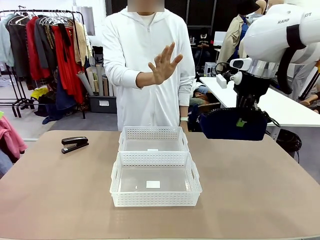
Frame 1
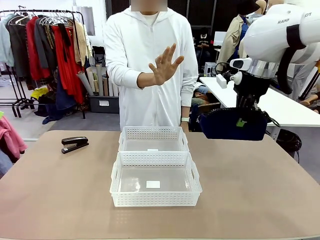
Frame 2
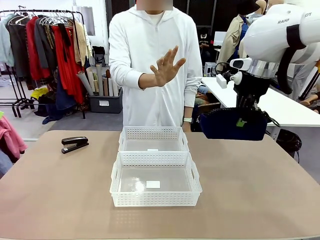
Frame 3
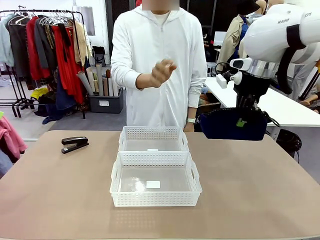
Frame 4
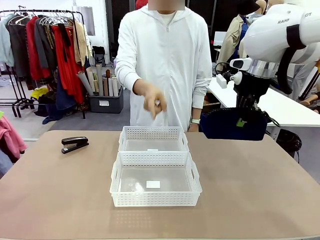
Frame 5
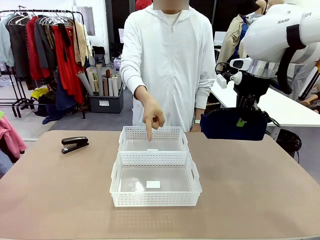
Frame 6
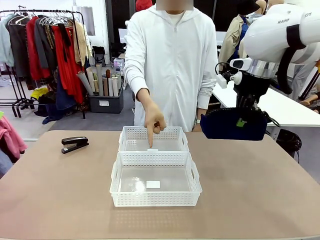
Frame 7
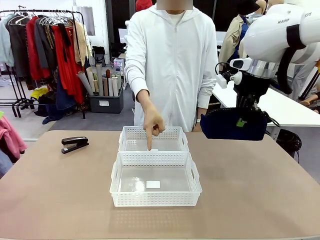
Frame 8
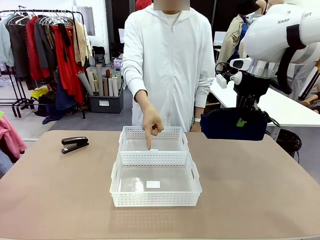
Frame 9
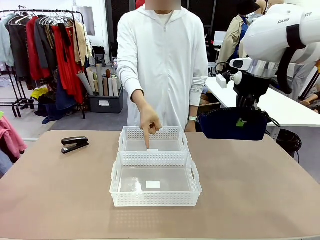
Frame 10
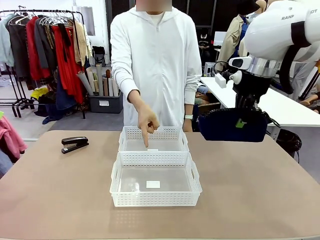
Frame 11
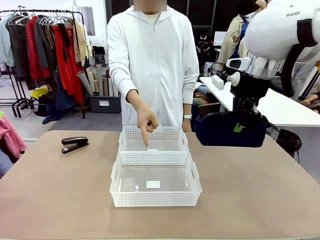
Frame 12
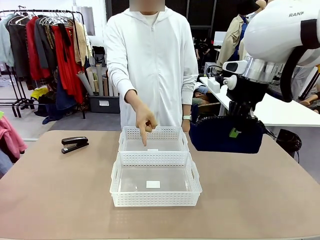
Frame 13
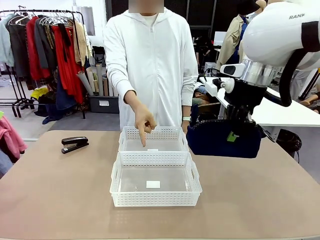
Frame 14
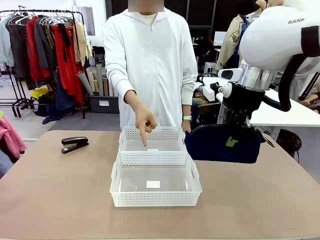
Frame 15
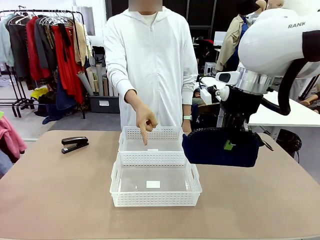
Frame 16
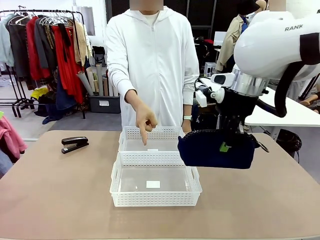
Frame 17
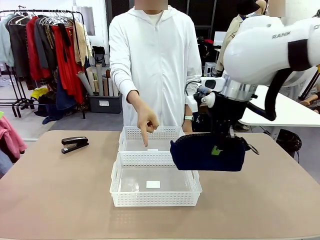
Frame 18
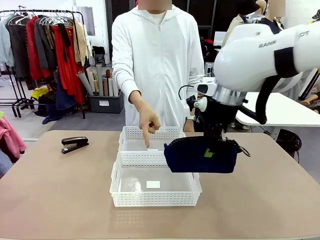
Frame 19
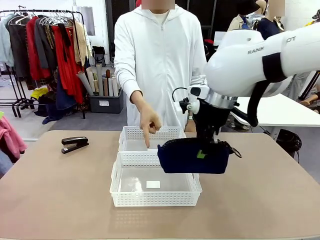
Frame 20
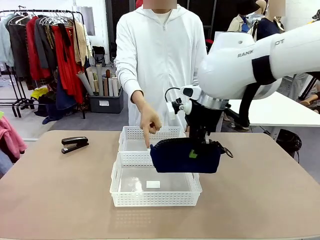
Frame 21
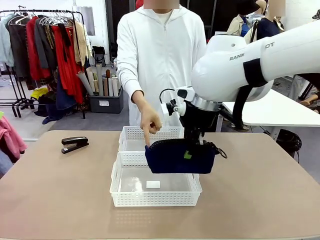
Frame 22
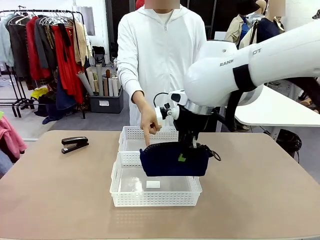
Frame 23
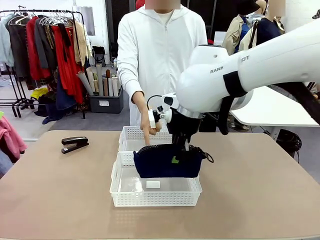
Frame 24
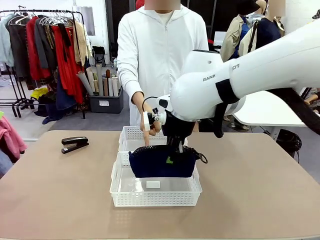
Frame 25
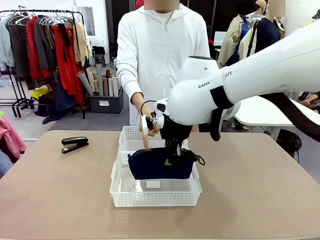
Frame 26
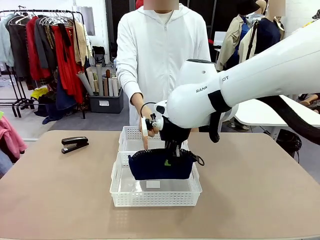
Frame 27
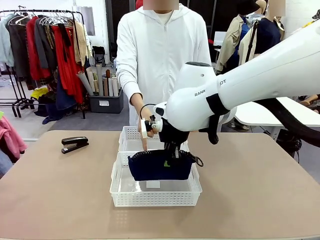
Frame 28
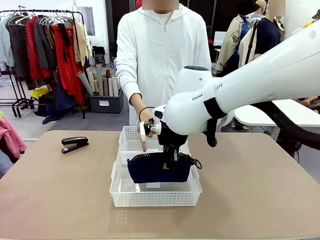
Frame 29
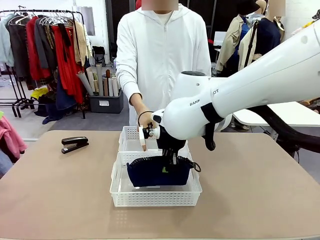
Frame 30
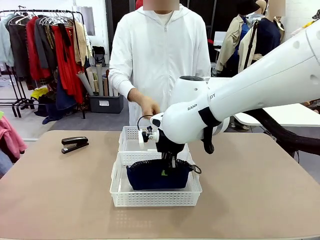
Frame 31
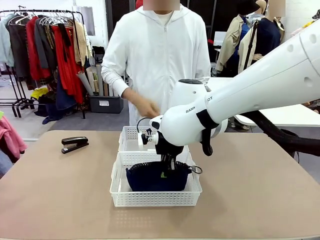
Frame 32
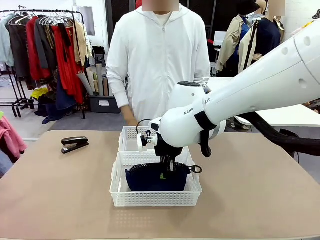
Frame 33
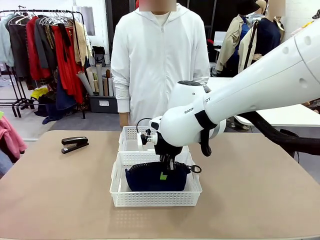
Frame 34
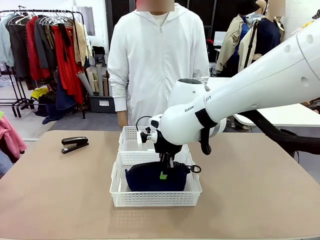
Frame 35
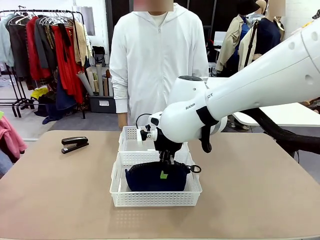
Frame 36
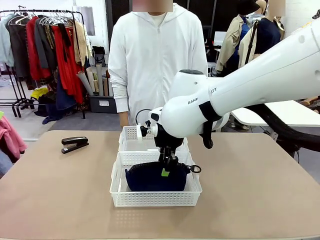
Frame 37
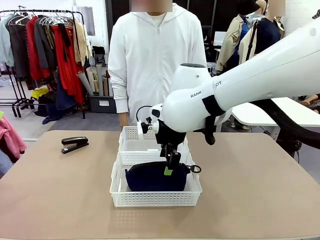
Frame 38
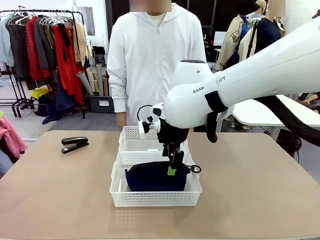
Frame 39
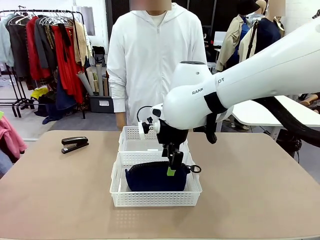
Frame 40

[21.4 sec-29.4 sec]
Task: Distribute items into two baskets.
Robot: Place the picked Pencil pouch into the Organizing basket as instructed by the person.
Person: Instructs the robot to place the pencil case into the opposite basket. Points to the stapler.

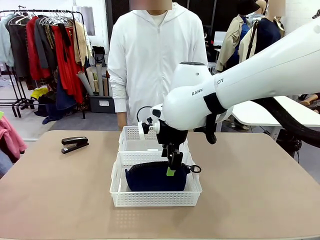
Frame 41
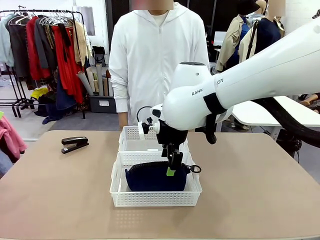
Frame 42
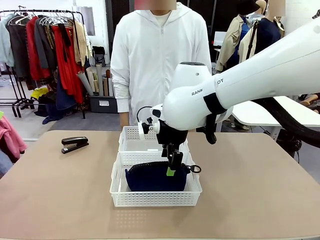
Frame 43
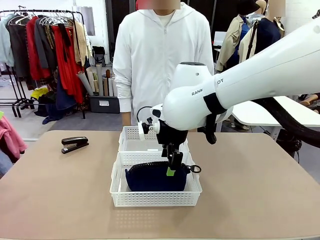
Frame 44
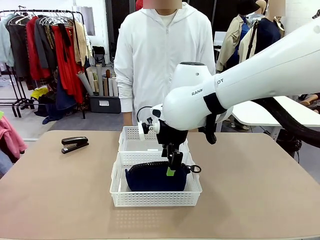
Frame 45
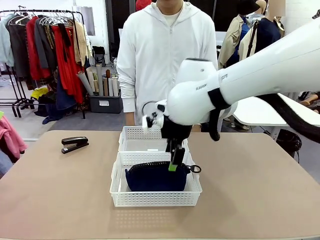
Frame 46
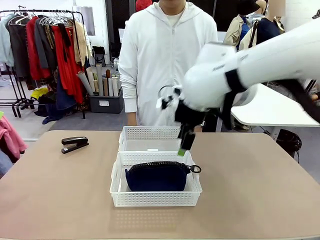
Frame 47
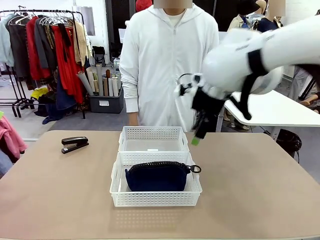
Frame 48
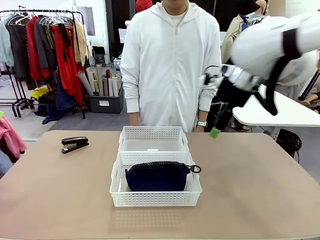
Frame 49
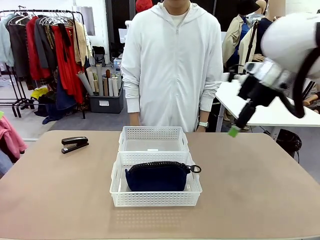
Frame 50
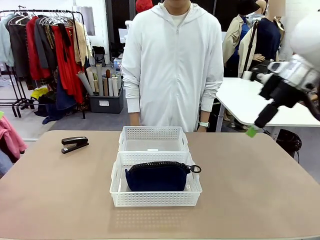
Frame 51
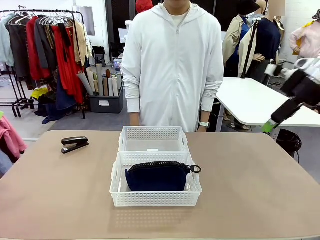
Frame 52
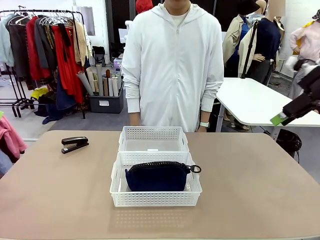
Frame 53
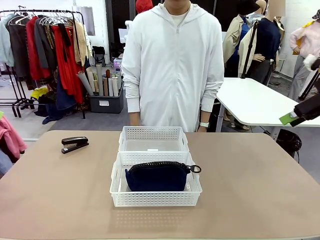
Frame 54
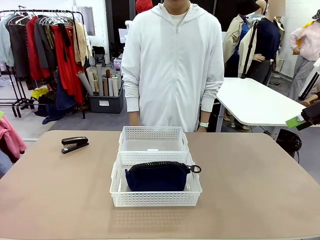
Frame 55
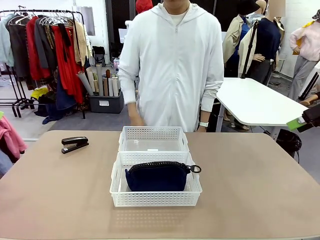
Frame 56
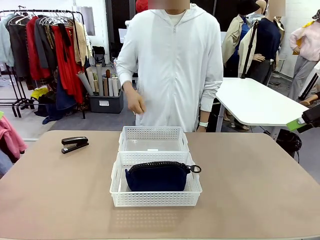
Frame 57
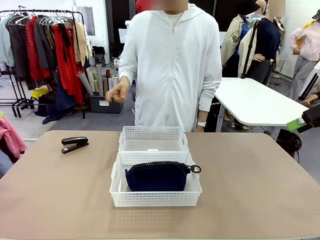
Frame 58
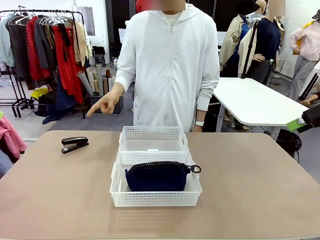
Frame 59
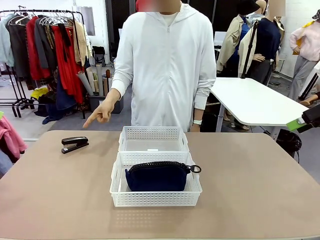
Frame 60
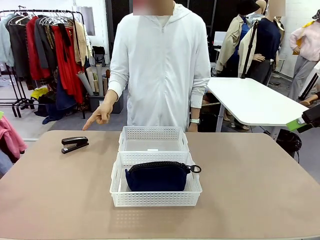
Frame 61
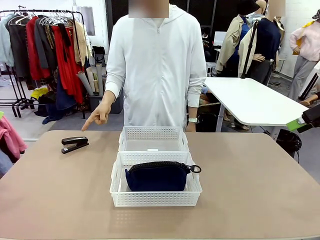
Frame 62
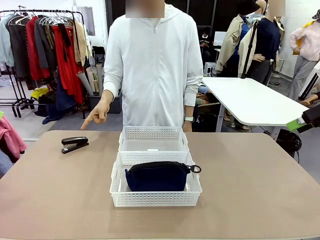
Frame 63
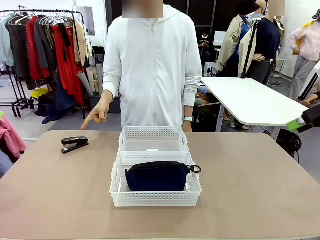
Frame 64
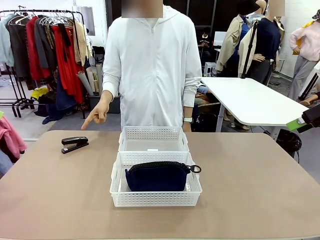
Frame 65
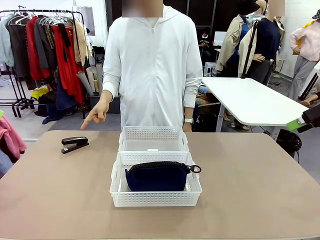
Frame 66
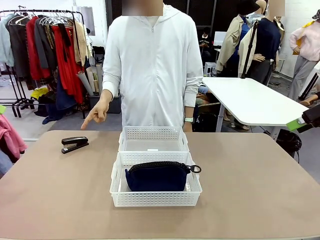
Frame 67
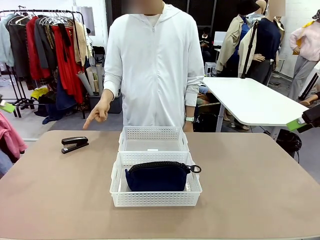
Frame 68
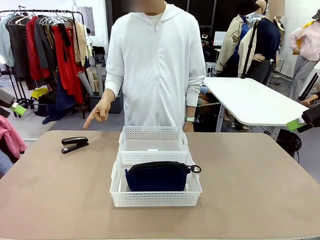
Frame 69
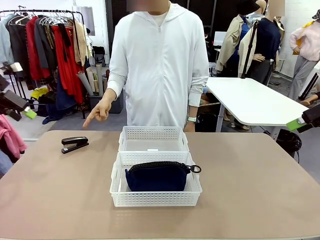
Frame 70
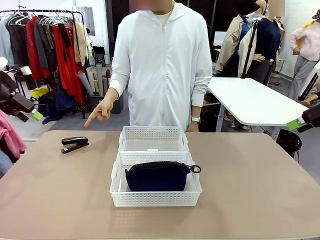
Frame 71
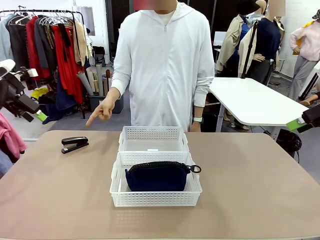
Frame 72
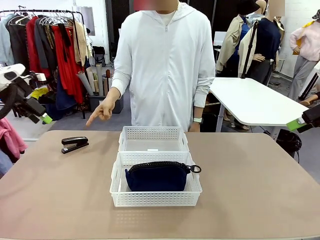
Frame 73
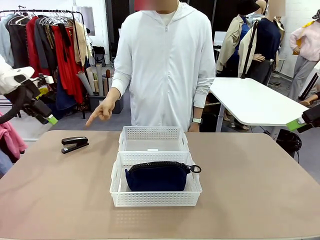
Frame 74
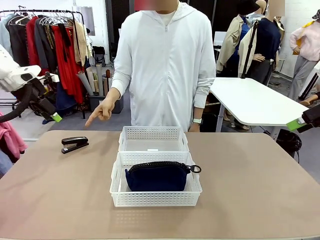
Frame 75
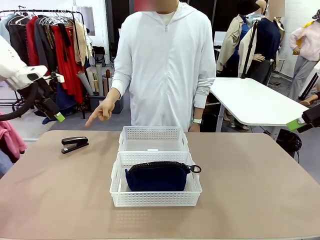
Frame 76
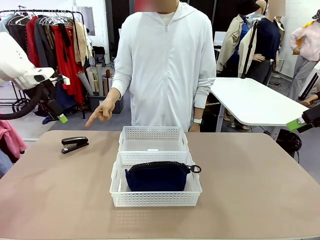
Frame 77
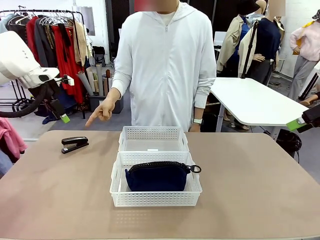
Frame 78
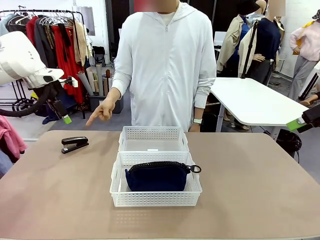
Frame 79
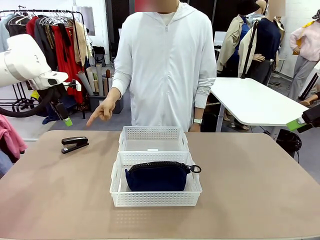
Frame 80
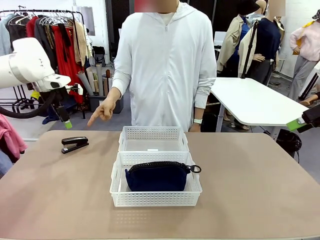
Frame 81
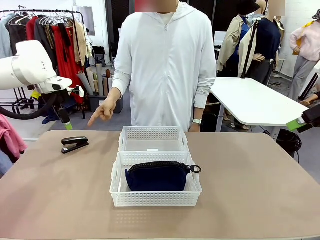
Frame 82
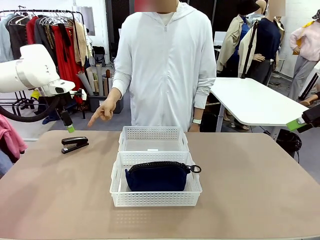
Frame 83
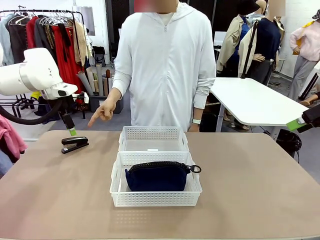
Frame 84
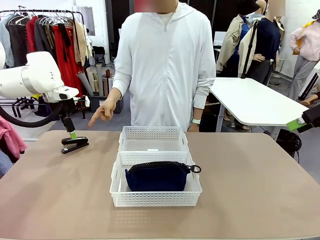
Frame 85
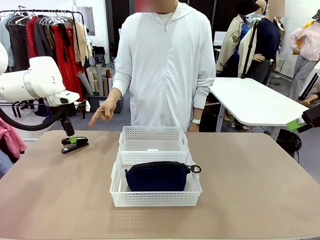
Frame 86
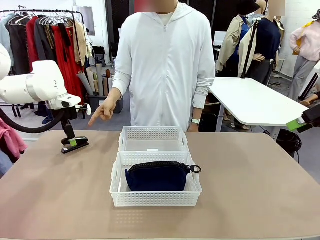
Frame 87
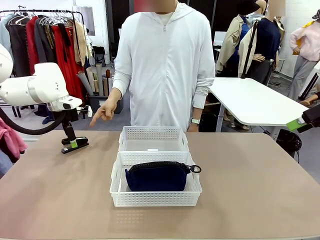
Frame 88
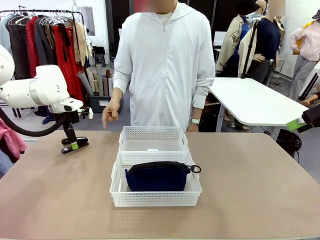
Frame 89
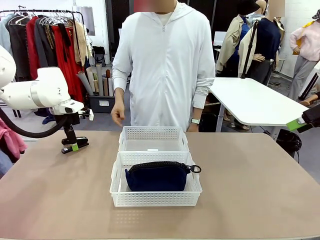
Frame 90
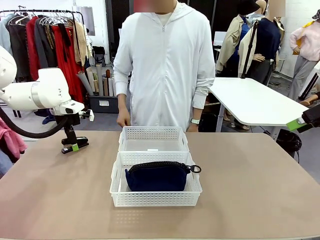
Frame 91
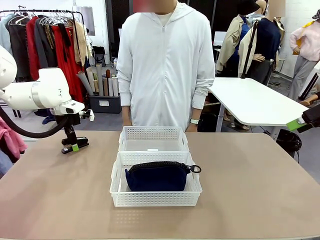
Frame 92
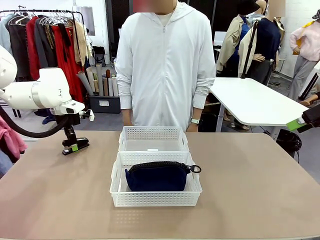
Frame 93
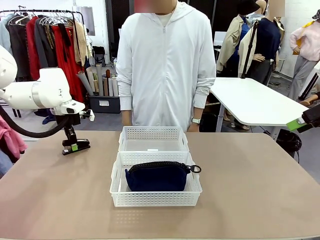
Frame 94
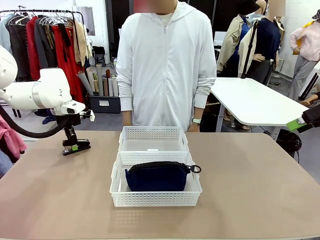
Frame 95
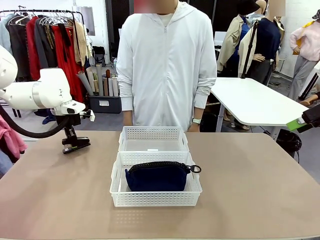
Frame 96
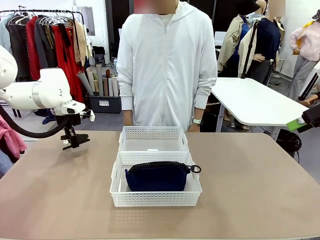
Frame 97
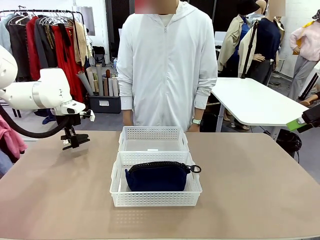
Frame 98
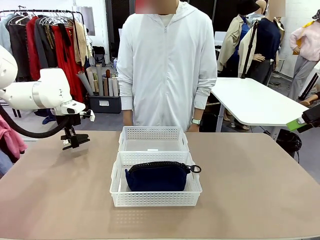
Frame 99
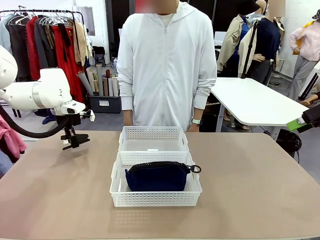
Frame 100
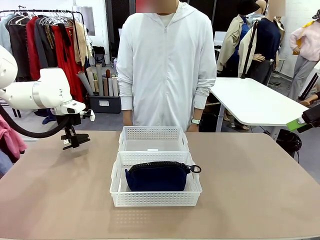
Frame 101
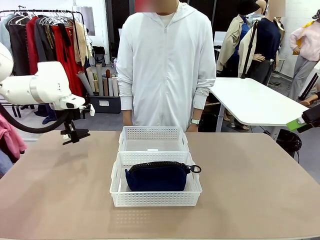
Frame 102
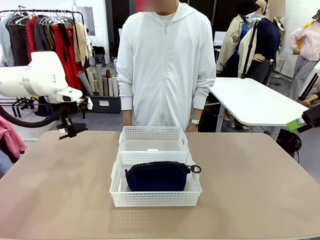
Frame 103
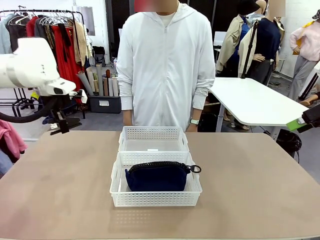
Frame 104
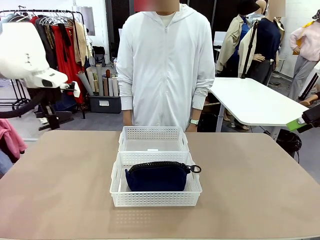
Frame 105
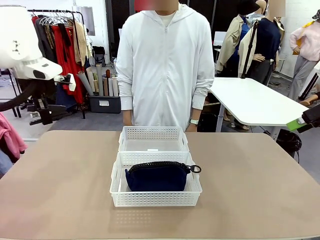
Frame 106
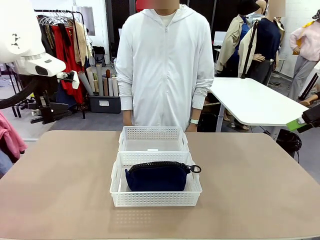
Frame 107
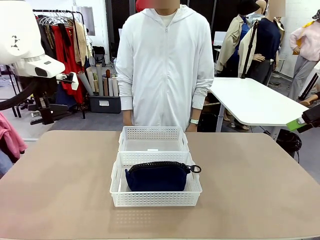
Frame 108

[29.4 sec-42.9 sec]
Robot: Pick up the Stapler that the person points to.
